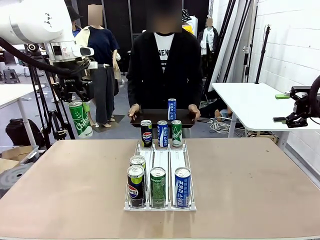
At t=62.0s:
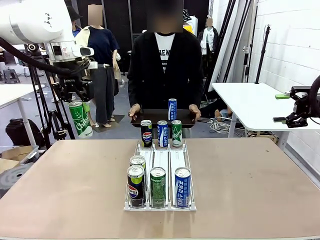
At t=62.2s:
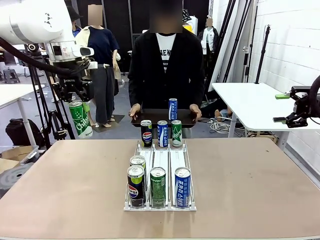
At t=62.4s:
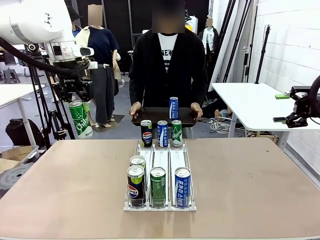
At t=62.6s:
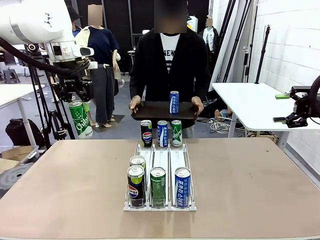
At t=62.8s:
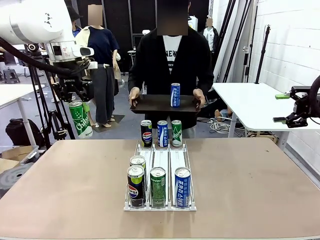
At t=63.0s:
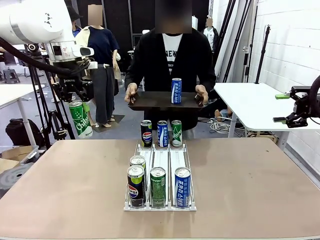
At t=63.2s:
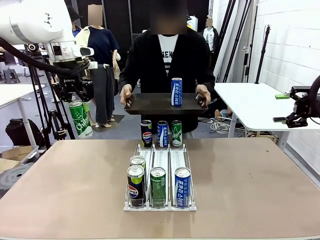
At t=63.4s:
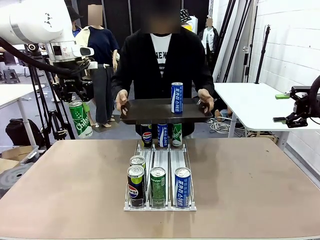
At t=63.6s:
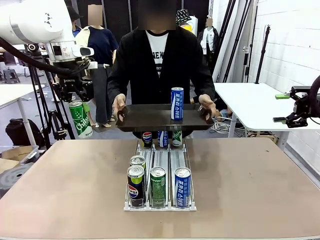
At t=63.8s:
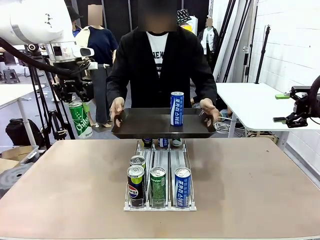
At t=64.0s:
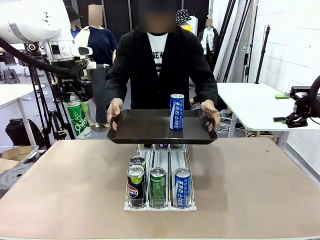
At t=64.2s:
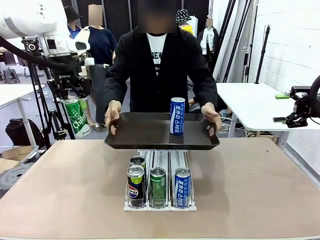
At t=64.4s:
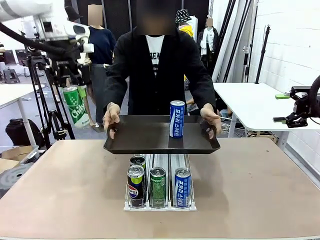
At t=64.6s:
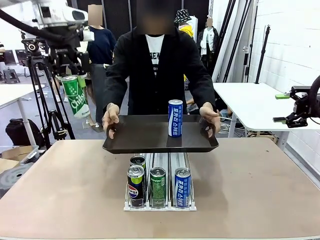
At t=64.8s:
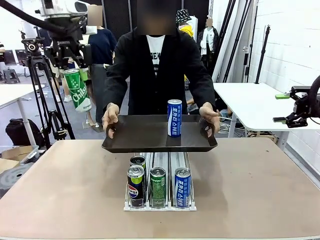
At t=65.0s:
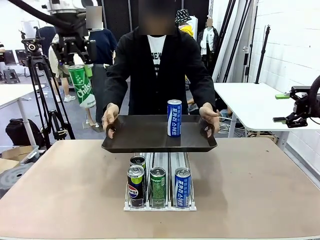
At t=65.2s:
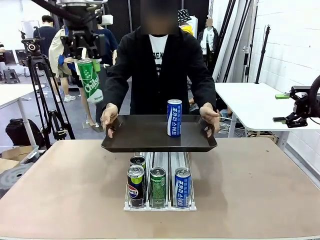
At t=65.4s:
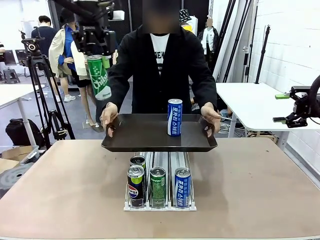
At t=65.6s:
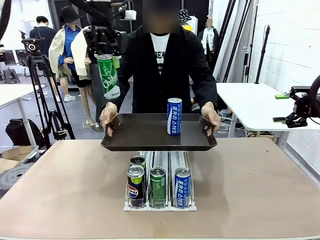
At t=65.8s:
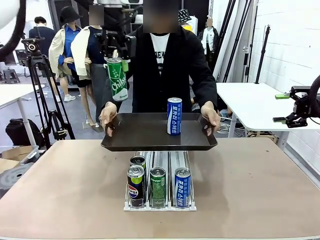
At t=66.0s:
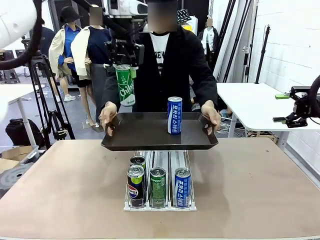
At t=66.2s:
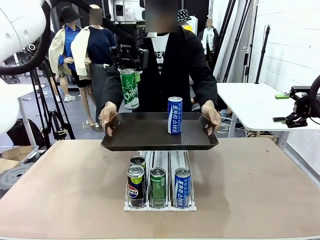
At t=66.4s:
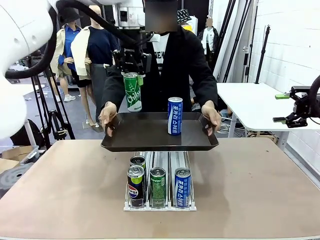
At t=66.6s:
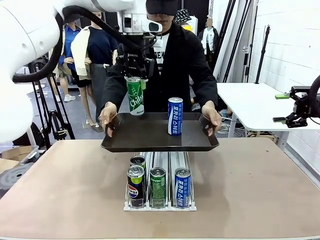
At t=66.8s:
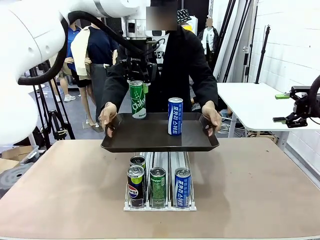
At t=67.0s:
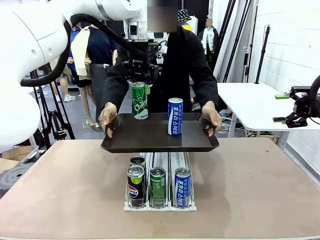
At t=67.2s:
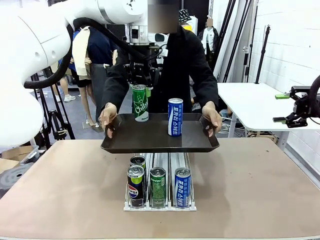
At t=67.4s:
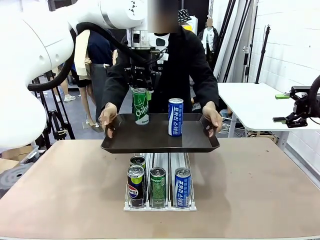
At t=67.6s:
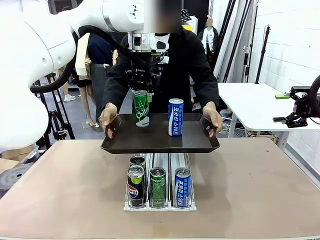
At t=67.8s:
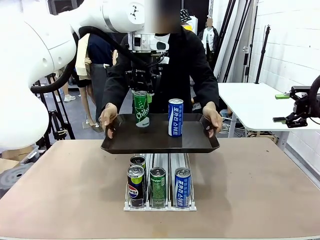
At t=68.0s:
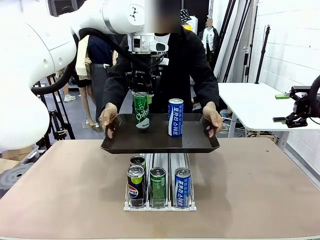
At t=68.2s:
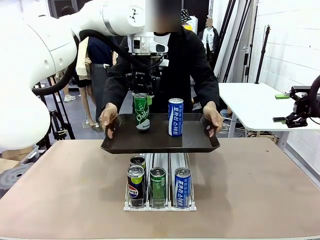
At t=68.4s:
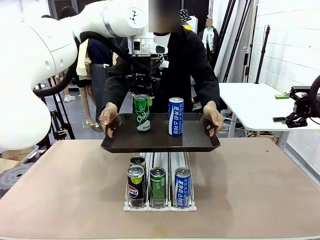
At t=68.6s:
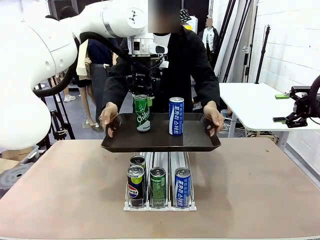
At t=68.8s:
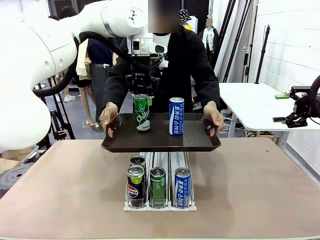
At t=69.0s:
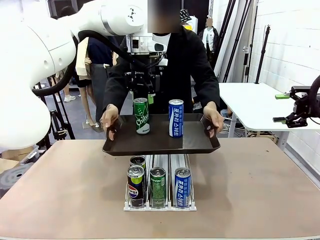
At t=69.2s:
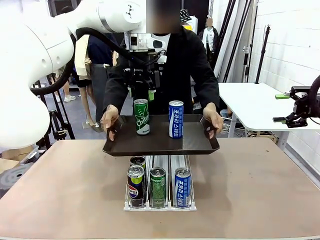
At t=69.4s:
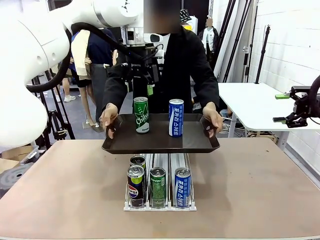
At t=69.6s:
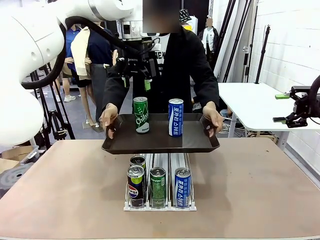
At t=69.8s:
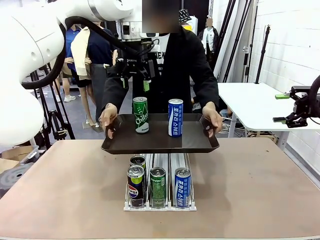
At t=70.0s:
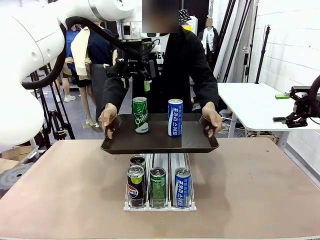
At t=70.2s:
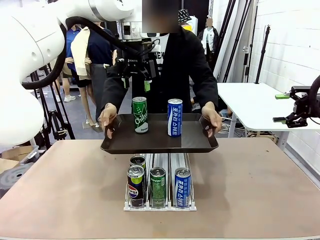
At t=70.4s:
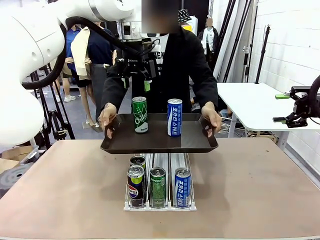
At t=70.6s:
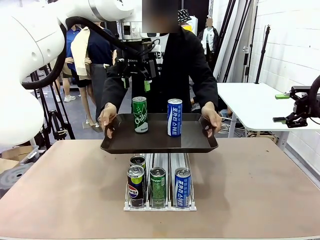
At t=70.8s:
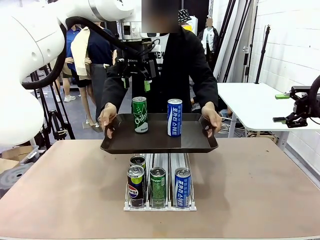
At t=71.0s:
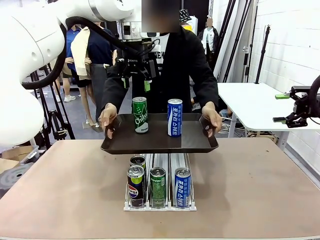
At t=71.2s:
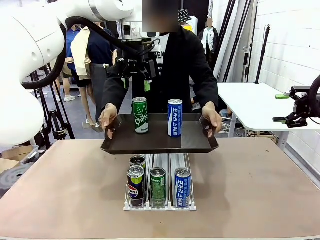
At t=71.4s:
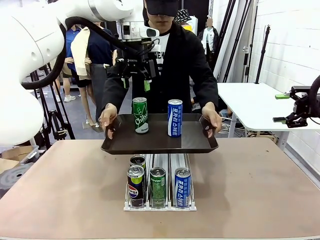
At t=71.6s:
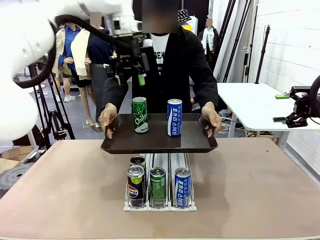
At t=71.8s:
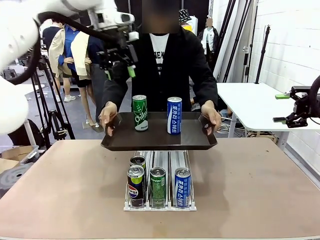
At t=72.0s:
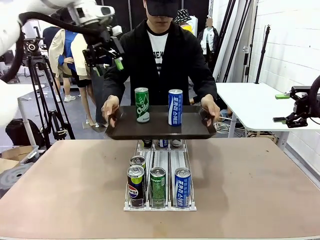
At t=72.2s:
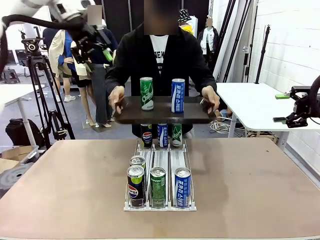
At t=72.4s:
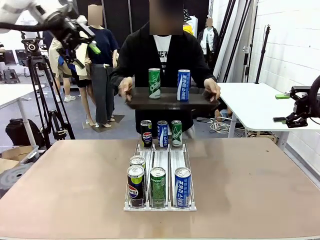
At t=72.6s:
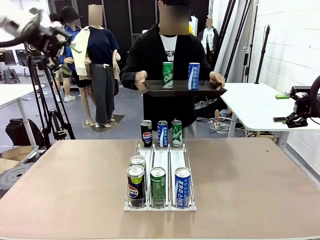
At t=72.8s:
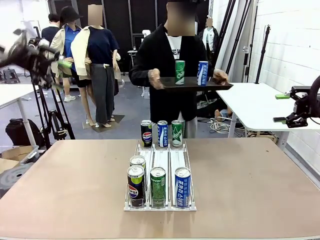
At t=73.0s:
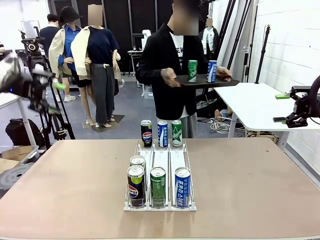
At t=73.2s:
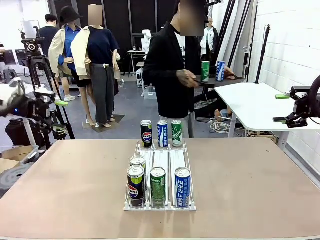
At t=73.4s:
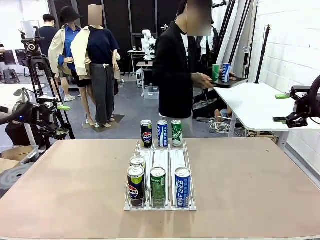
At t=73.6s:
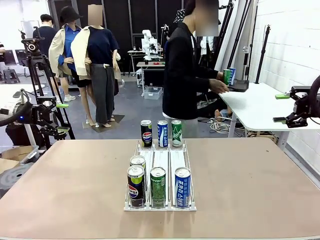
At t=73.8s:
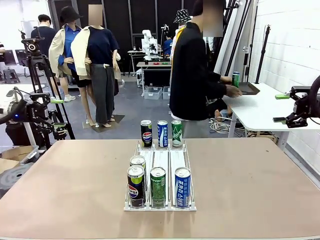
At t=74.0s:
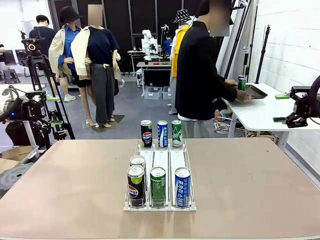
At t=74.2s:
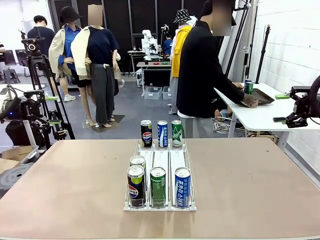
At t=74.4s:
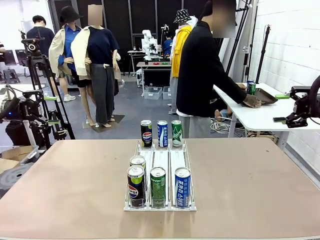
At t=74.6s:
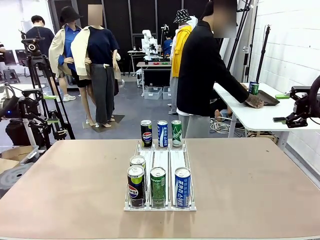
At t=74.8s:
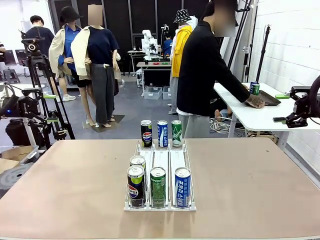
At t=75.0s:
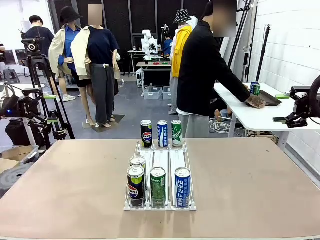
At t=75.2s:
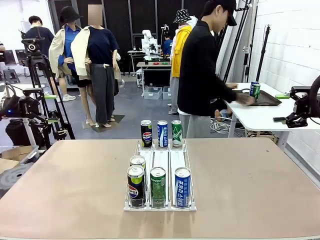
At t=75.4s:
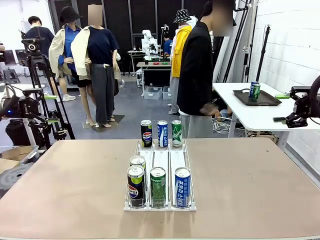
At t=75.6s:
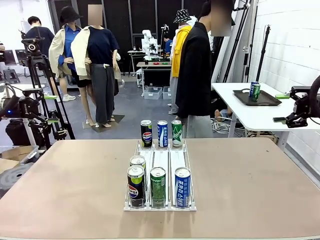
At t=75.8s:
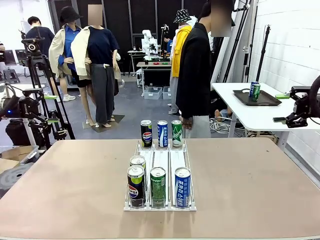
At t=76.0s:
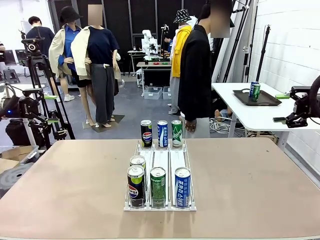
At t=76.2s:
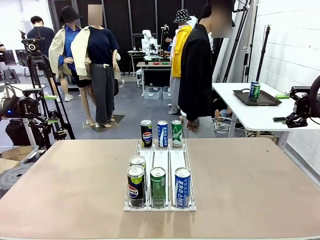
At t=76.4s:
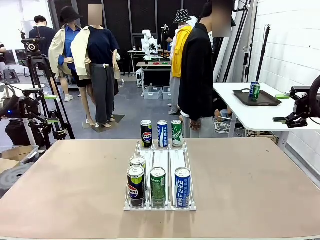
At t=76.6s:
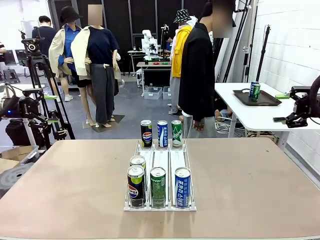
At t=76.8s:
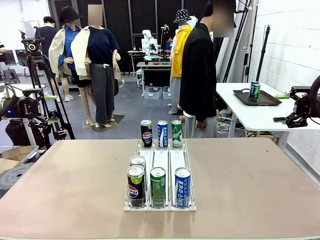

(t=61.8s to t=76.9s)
Task: Retrieve and hand over the desired beverage to the person.
Robot: Place the picked can on the Handle tray extended by the person.
Person: Pull the tray back and place it at the center of the human table.

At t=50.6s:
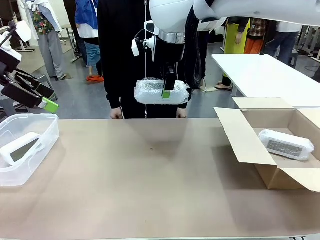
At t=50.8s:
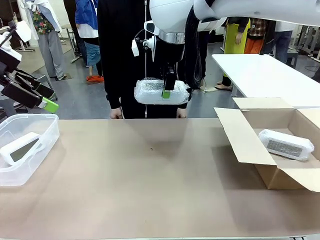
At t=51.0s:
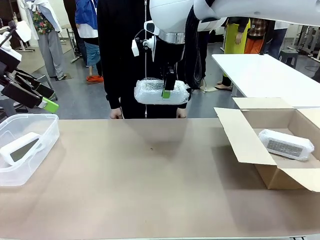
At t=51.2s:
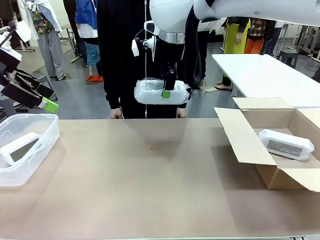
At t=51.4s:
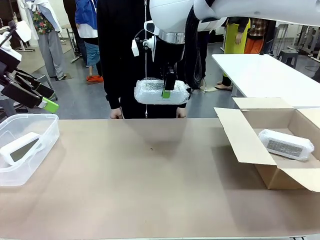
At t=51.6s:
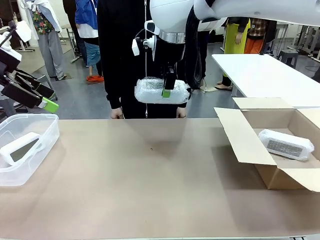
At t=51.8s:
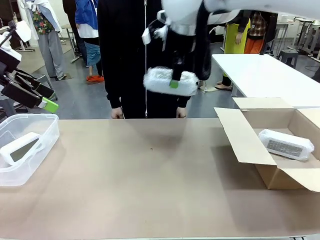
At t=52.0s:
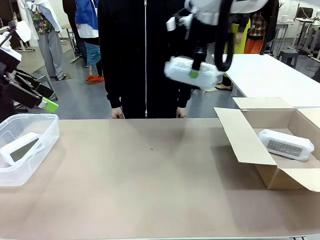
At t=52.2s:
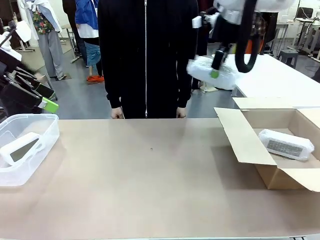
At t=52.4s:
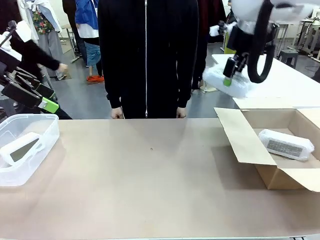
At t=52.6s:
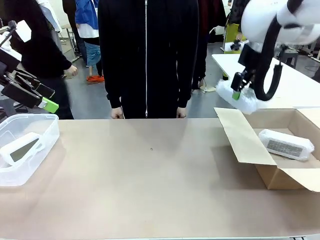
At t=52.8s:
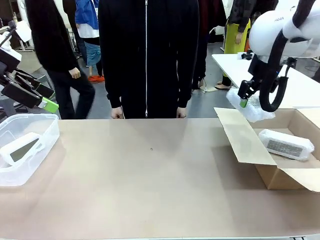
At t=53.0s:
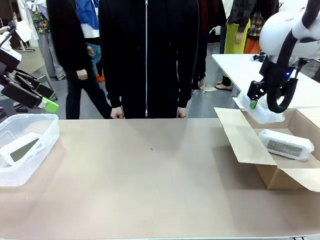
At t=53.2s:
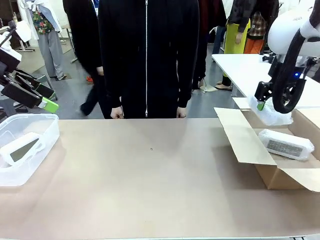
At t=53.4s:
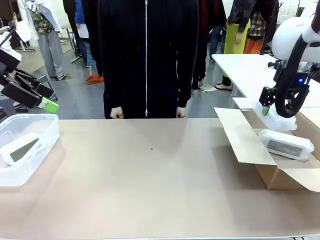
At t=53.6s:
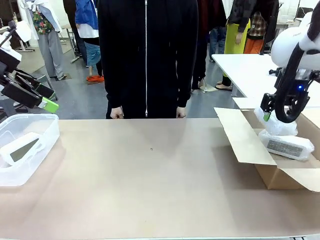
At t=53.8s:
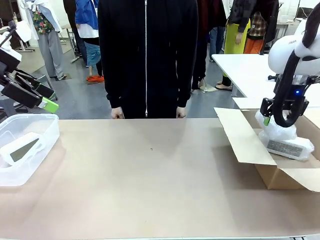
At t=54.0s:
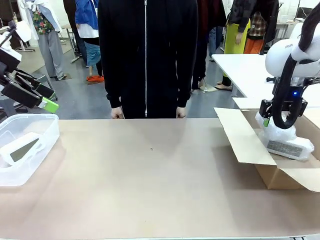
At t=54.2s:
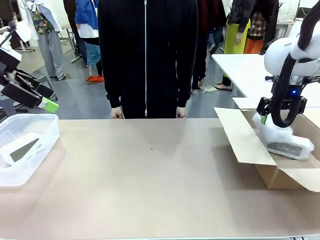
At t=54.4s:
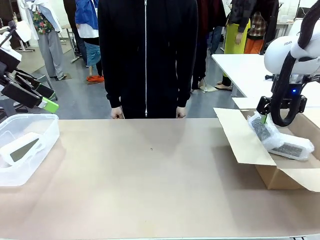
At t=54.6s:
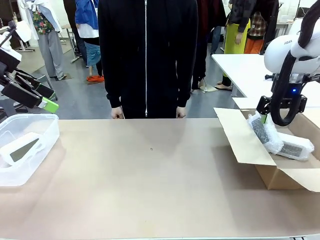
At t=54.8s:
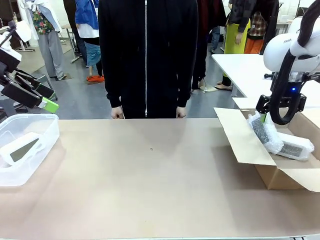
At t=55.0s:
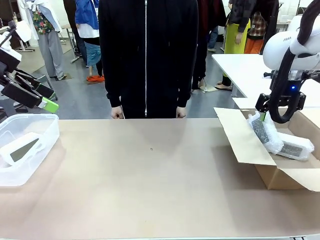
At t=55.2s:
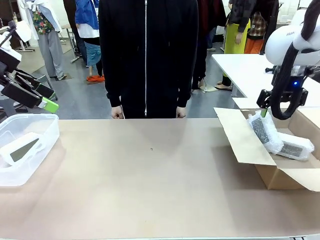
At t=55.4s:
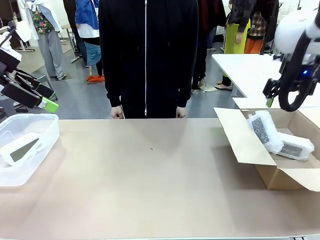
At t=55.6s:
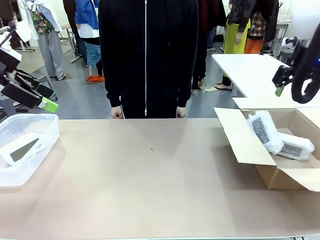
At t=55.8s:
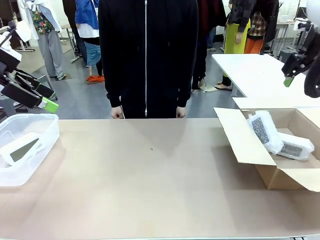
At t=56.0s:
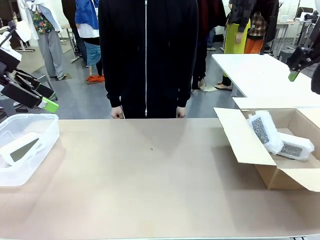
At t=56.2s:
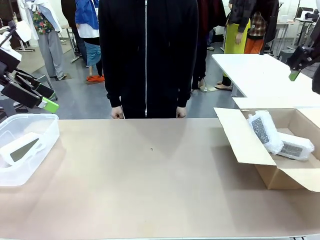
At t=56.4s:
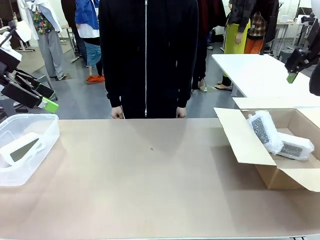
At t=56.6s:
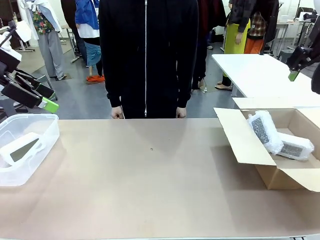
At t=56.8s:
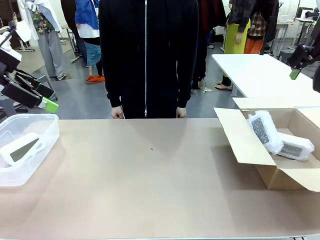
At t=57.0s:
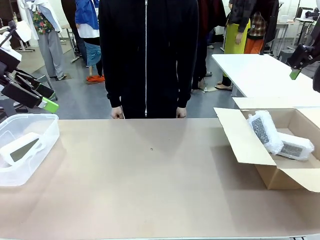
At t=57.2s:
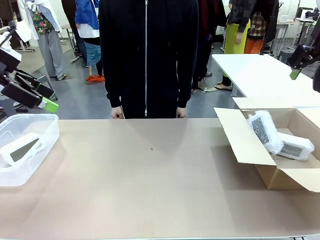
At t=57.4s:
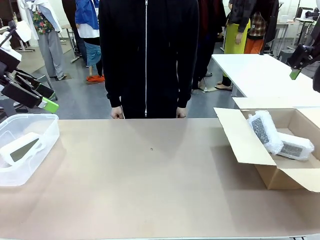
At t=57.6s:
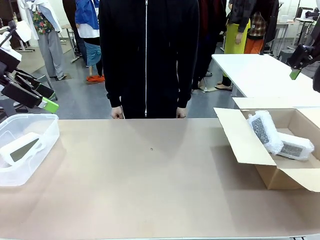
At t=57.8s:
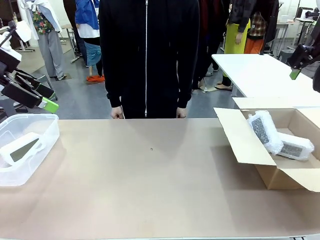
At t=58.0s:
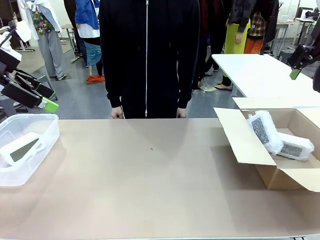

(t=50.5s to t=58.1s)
Task: Separate and place wrapped and unwrapped clocks.
Robot: If the picked Digital clock is wrapped, place it in the Package Box ; if not, place it in the Organizing box.
